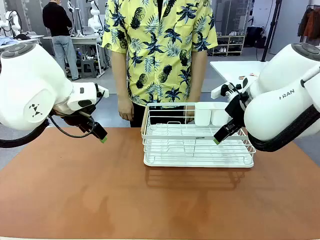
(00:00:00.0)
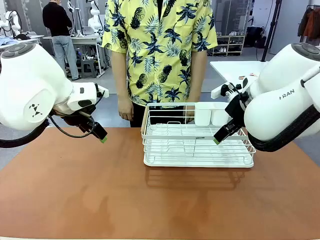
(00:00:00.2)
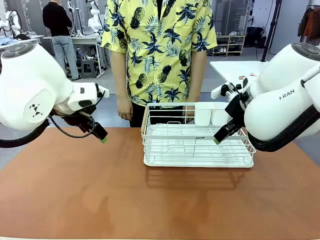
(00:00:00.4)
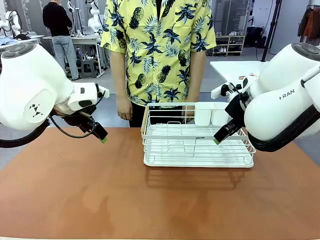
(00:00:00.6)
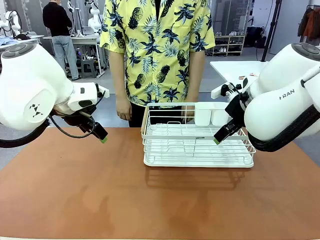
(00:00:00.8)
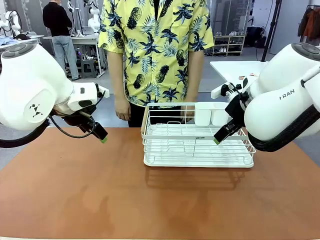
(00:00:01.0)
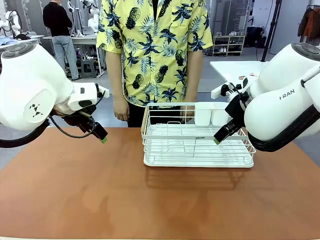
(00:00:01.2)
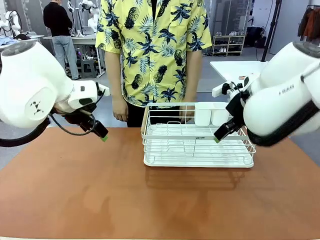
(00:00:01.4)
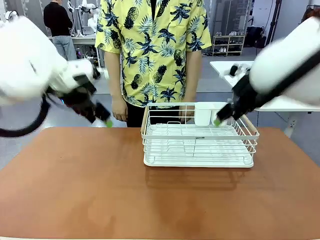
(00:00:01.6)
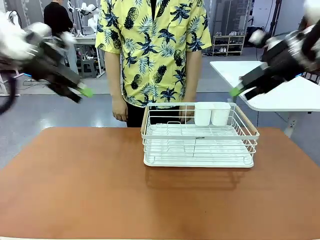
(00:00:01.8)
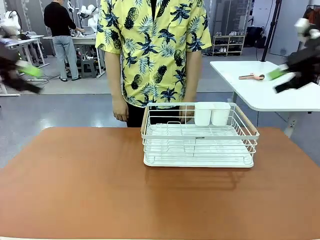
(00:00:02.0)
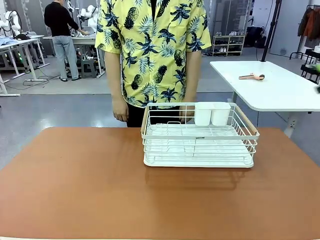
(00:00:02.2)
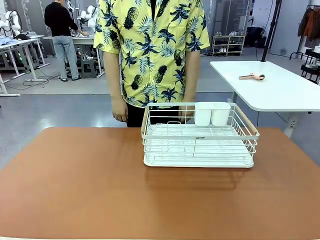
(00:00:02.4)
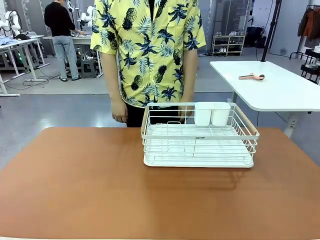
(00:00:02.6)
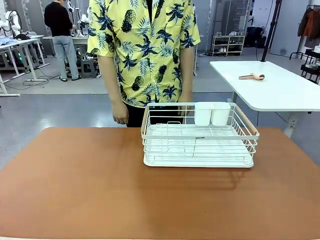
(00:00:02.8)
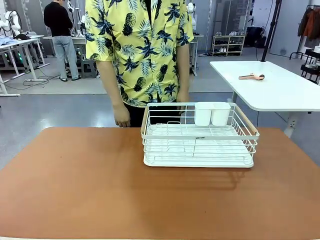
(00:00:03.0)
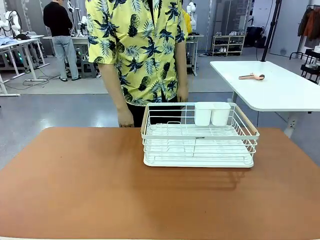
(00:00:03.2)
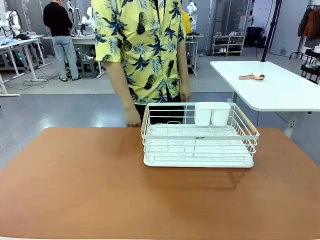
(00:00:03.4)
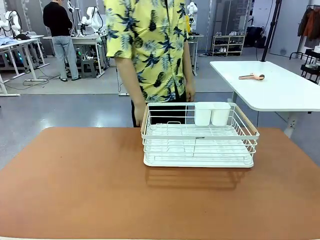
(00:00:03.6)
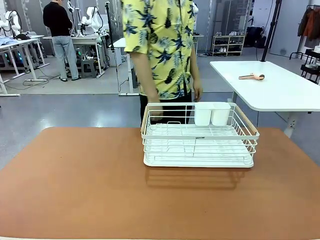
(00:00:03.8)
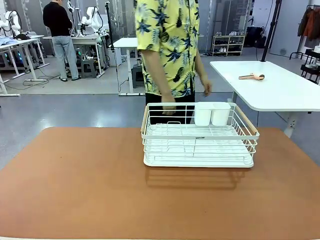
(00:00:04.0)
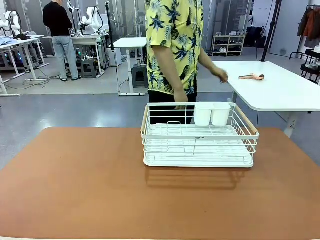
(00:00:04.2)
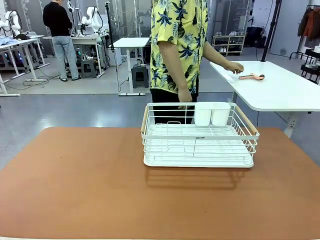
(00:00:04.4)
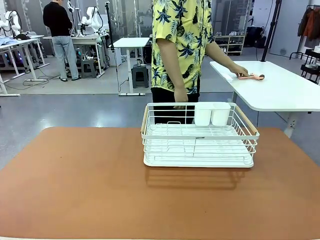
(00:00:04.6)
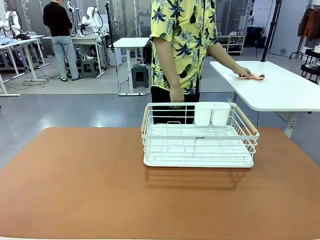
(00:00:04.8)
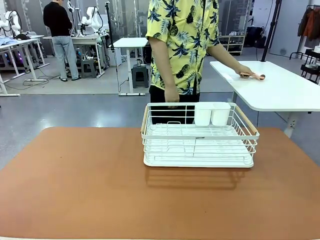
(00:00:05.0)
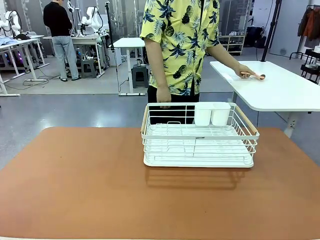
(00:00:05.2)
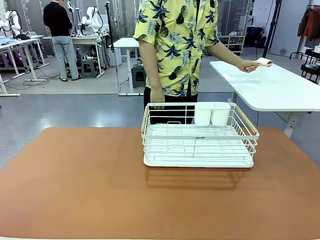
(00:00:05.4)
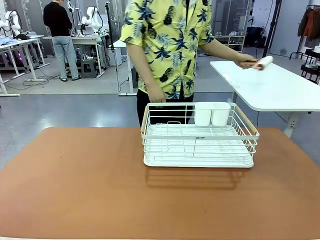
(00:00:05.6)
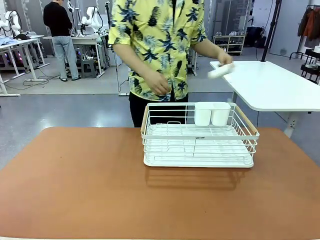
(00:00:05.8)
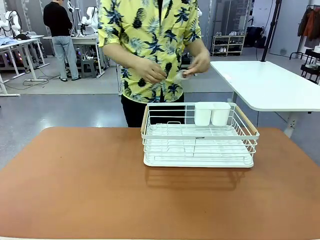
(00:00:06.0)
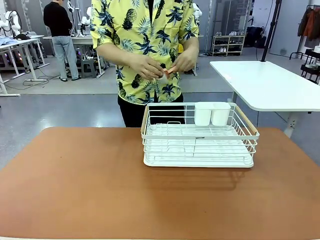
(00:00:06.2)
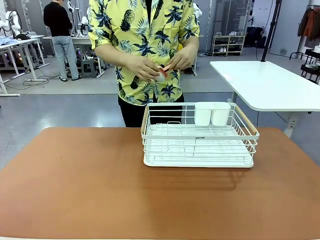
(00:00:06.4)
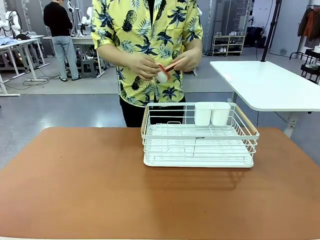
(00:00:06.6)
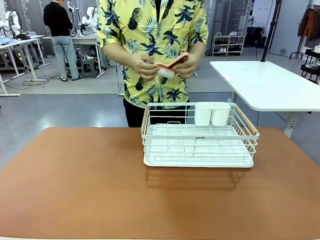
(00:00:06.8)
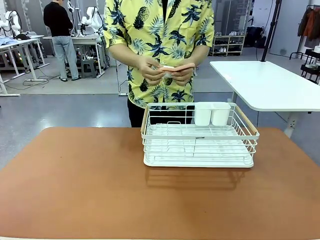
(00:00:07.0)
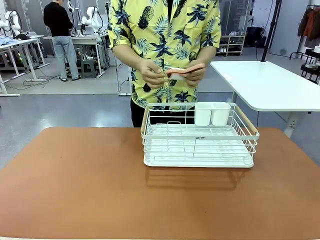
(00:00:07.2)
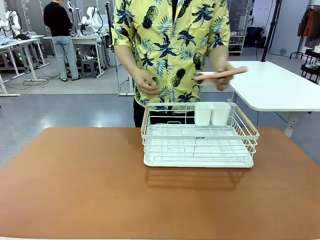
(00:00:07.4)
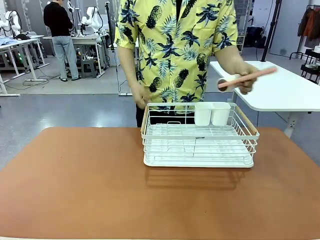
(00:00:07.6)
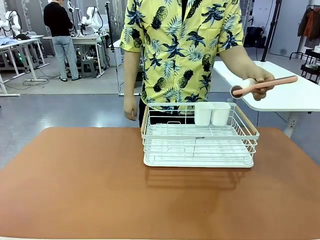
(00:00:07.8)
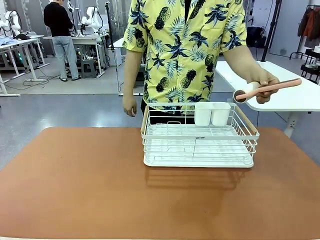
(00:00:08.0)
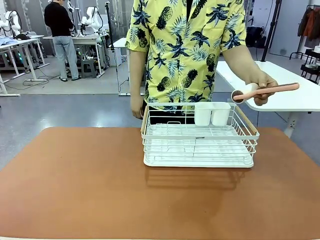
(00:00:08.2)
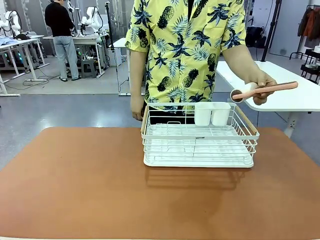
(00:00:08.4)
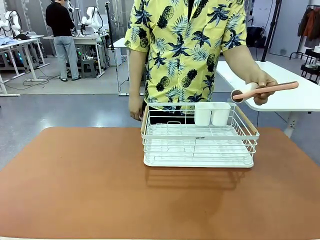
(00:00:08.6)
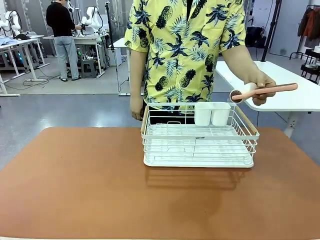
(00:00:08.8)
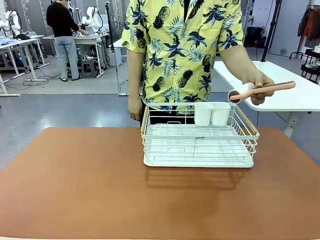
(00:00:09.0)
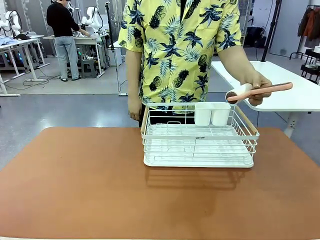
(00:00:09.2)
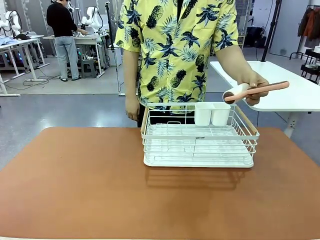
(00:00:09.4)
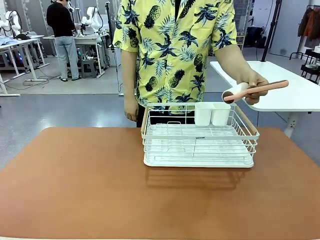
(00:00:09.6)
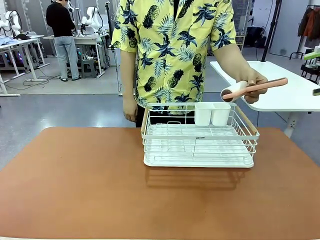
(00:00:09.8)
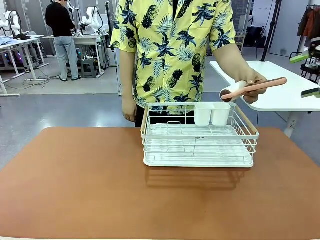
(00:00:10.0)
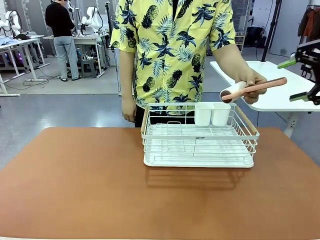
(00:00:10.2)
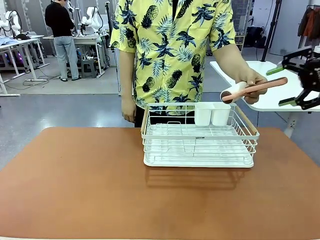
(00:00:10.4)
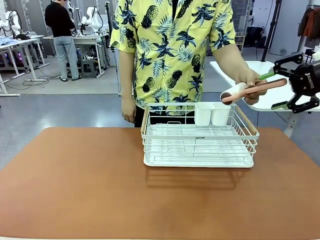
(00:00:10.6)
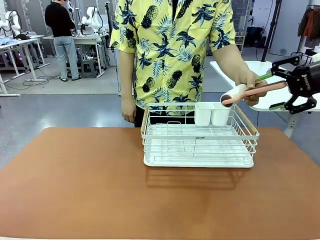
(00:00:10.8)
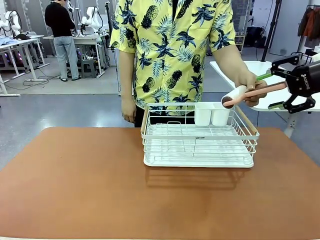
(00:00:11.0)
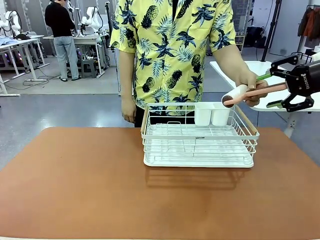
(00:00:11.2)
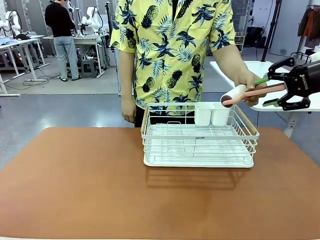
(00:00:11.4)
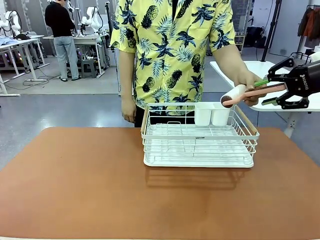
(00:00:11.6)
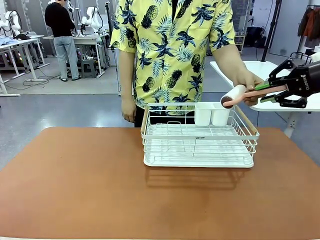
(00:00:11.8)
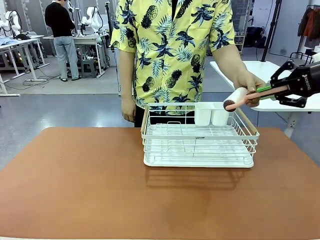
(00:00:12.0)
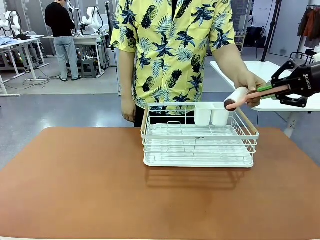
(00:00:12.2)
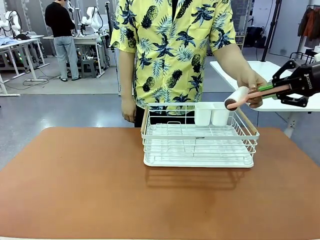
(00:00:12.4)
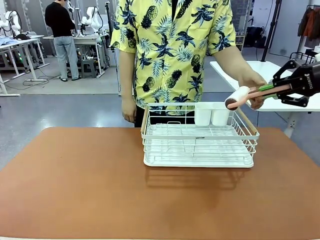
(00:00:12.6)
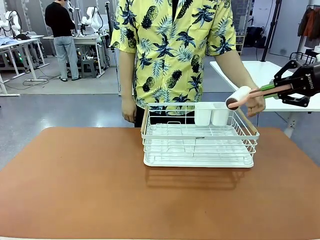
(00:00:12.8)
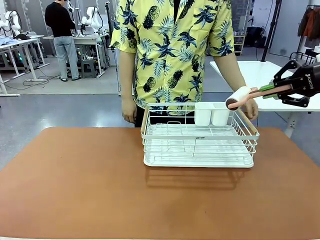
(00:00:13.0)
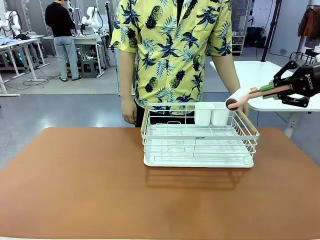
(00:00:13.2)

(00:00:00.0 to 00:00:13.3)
Task: Clean the table.
Robot: Pick up the Lint Roller when the human hands it over.
Person: Hand the Lint Roller to the robot so it can easily pick it up. Lift the Dish drying rack.

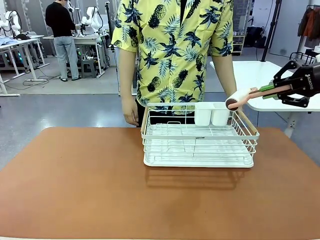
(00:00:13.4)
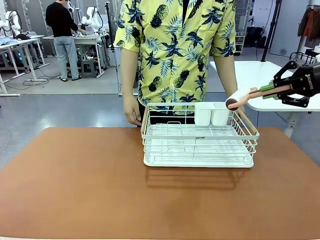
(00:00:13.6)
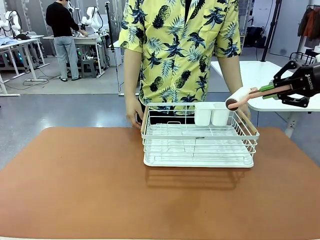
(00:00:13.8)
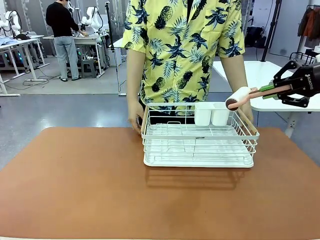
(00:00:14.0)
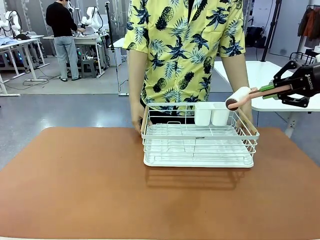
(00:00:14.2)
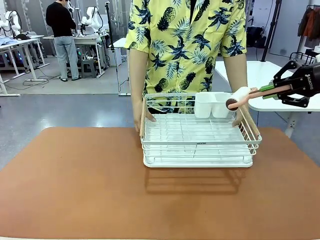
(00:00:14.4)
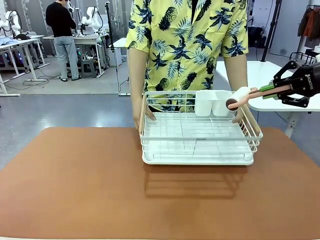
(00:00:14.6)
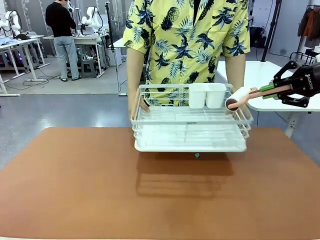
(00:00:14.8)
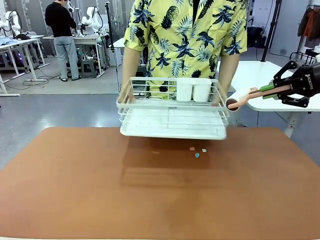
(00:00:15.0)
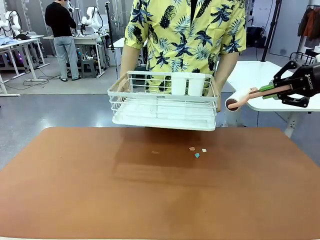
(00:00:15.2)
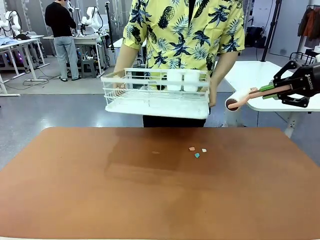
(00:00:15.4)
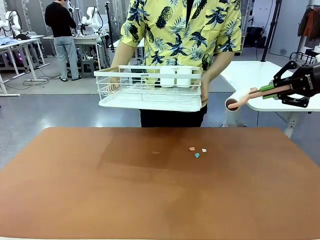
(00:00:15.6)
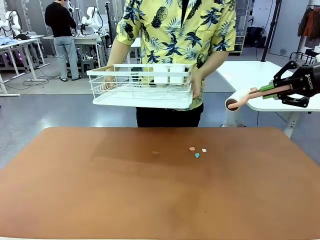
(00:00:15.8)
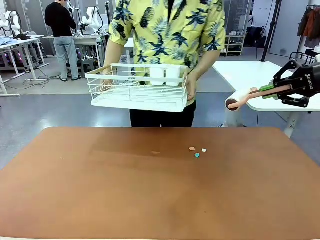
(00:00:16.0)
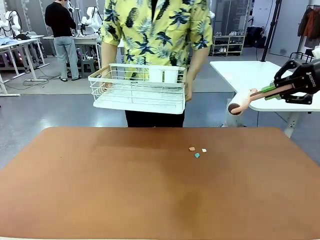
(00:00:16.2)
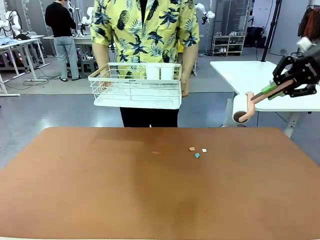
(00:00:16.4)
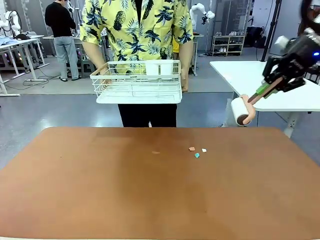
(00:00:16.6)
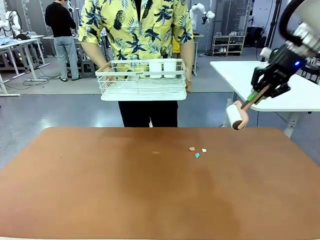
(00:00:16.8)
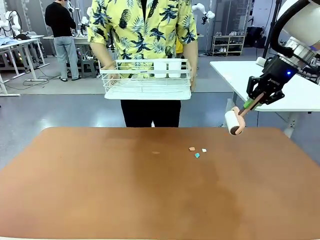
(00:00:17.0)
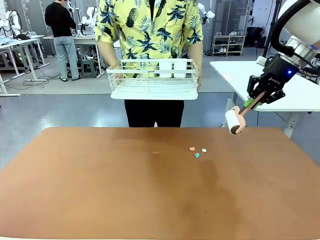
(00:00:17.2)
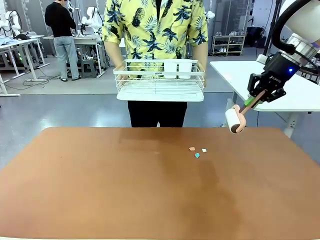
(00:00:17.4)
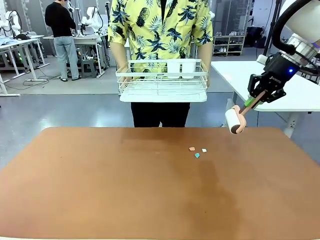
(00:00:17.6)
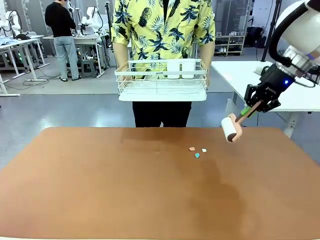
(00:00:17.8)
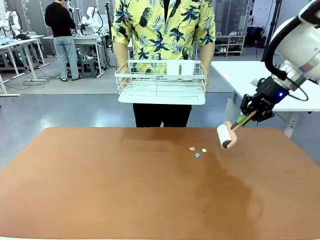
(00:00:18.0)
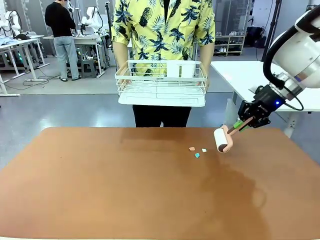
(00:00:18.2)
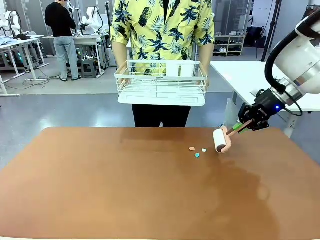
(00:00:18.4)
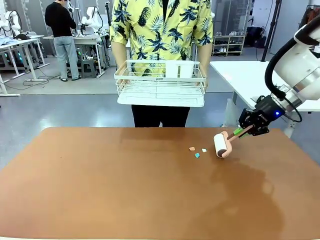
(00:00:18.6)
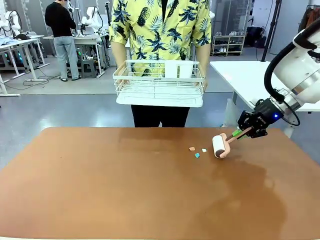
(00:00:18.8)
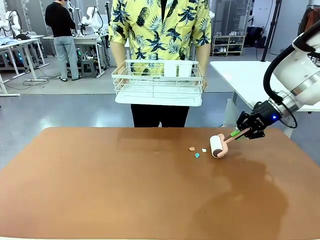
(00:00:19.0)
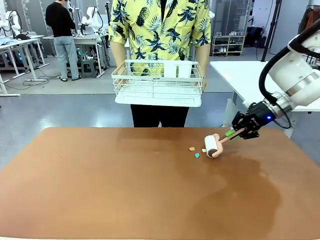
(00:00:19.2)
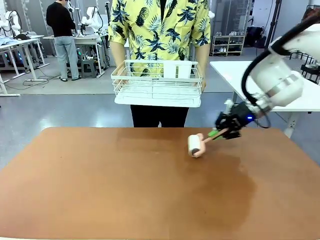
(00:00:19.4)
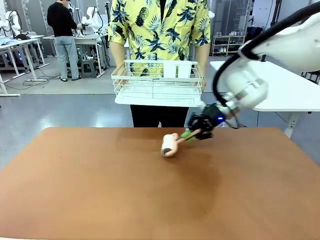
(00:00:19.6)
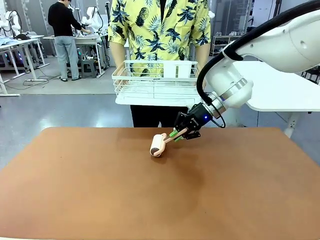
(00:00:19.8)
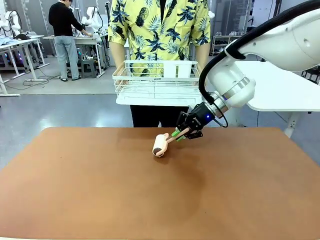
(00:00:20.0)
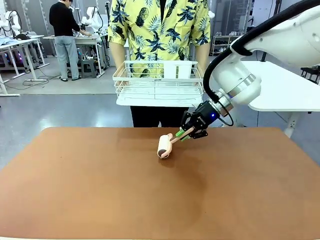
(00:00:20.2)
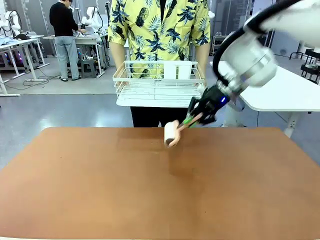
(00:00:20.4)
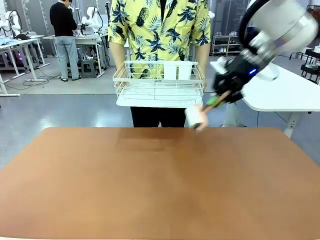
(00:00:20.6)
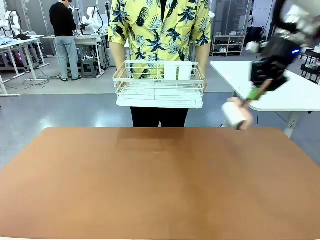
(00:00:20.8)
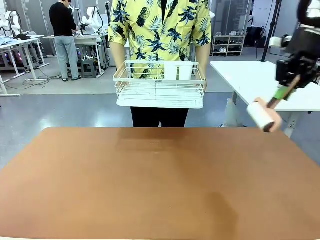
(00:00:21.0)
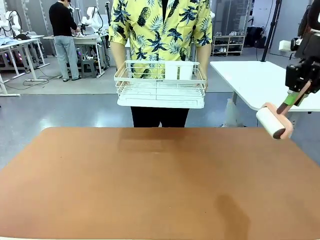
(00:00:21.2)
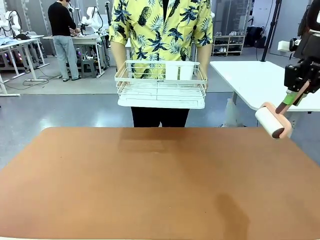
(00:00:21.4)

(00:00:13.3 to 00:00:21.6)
Robot: Clean the table with the Lint Roller when the human lifts the Dish drying rack.
